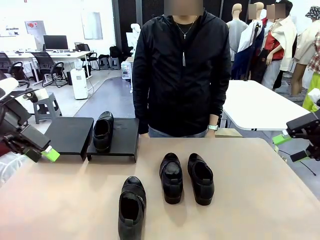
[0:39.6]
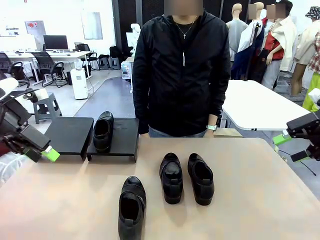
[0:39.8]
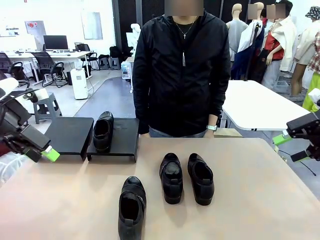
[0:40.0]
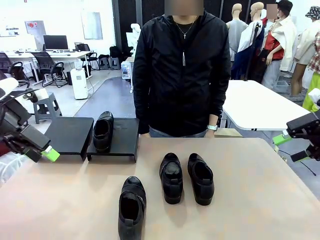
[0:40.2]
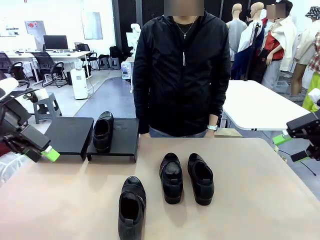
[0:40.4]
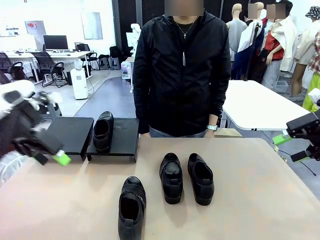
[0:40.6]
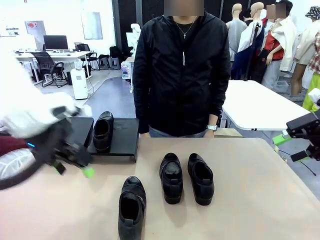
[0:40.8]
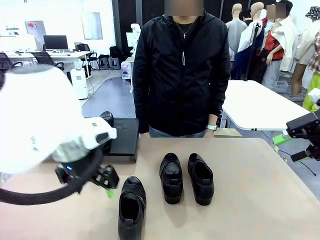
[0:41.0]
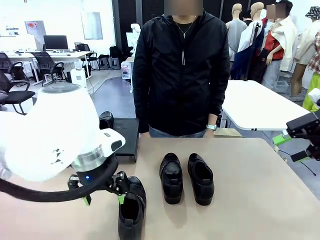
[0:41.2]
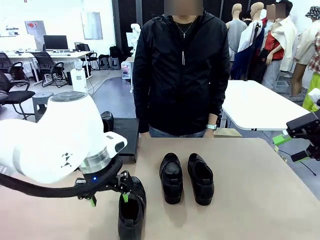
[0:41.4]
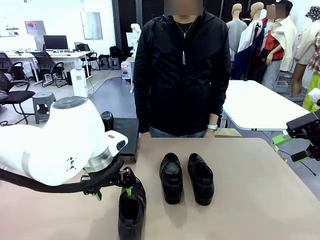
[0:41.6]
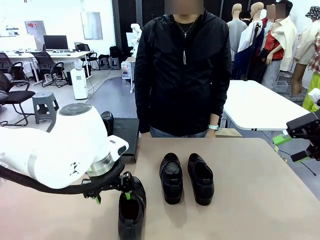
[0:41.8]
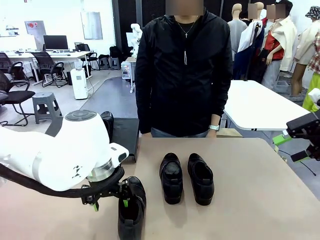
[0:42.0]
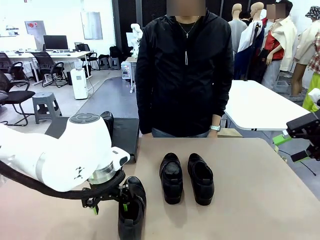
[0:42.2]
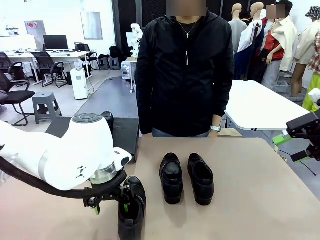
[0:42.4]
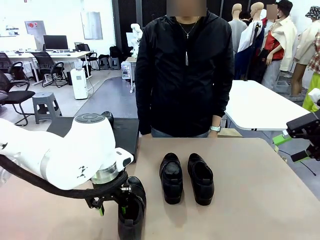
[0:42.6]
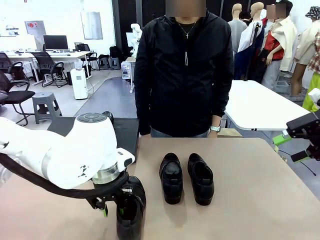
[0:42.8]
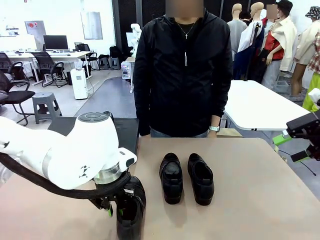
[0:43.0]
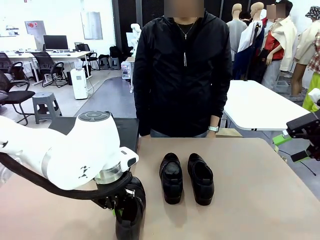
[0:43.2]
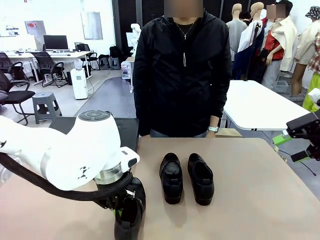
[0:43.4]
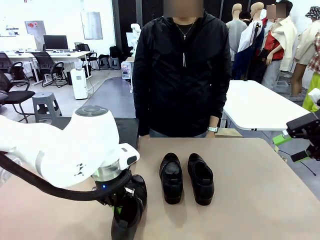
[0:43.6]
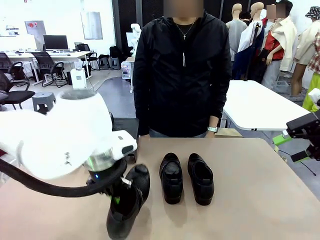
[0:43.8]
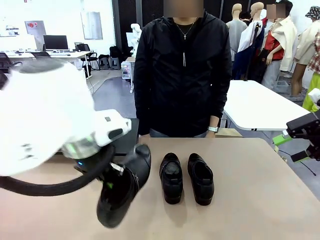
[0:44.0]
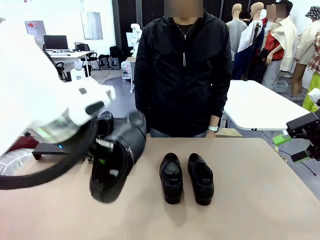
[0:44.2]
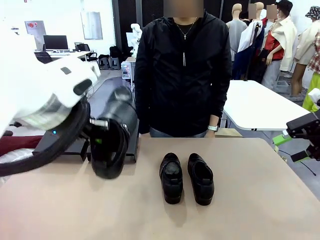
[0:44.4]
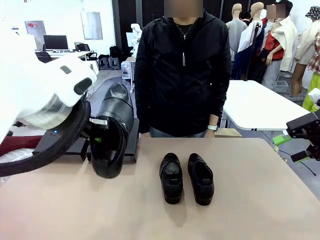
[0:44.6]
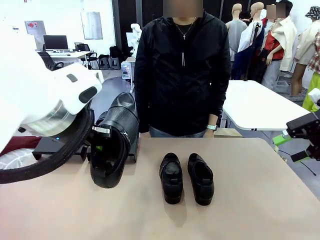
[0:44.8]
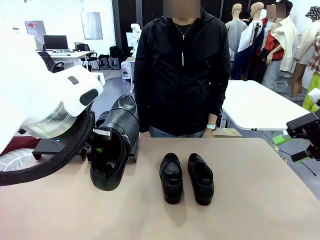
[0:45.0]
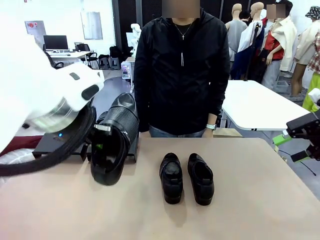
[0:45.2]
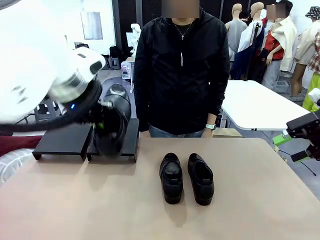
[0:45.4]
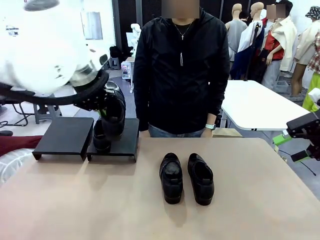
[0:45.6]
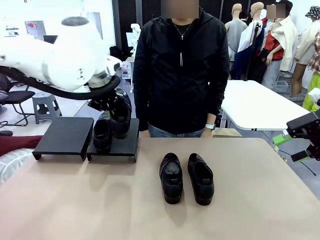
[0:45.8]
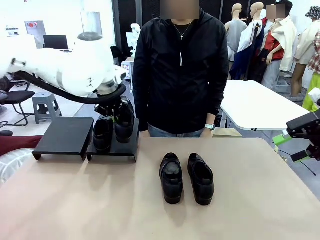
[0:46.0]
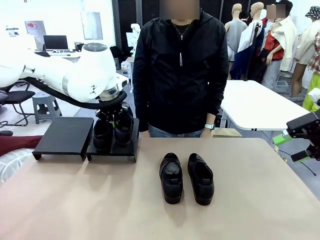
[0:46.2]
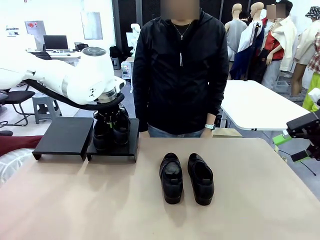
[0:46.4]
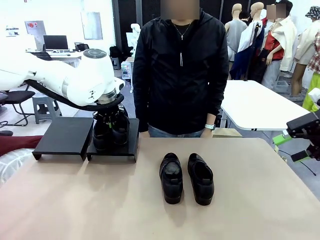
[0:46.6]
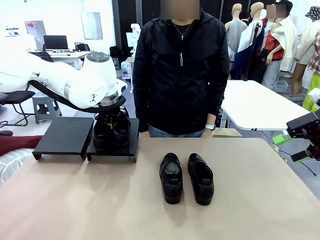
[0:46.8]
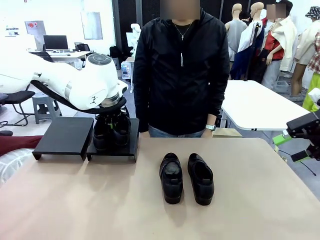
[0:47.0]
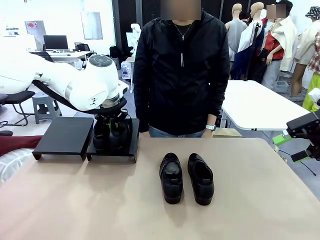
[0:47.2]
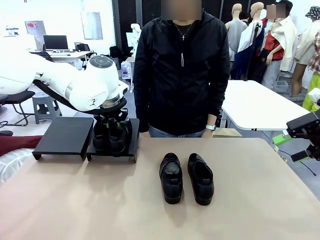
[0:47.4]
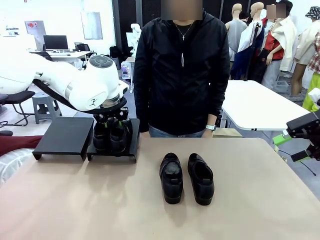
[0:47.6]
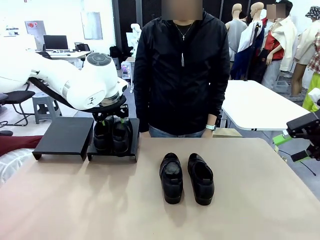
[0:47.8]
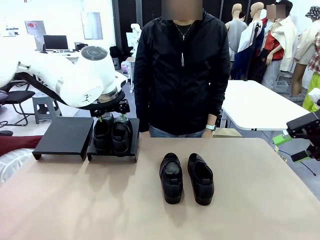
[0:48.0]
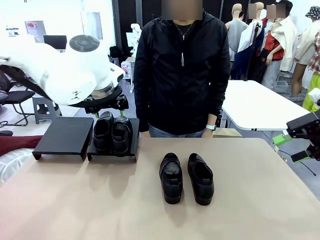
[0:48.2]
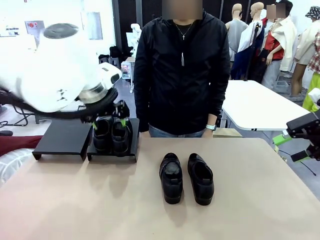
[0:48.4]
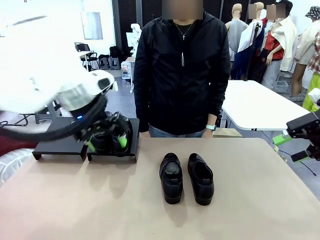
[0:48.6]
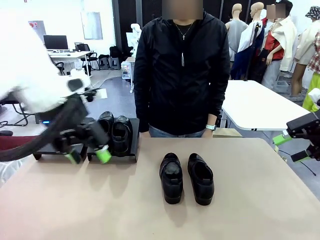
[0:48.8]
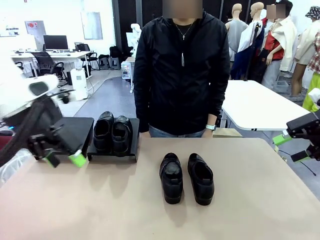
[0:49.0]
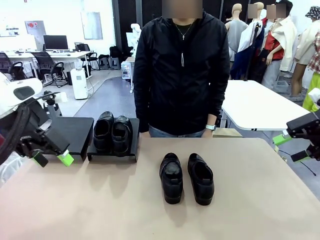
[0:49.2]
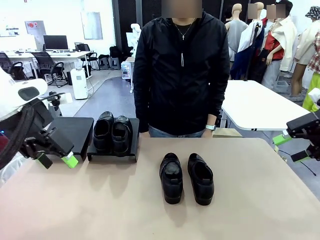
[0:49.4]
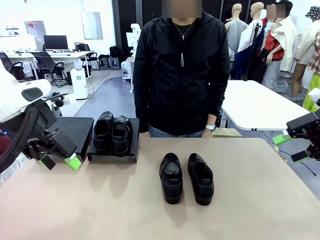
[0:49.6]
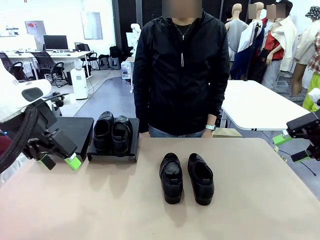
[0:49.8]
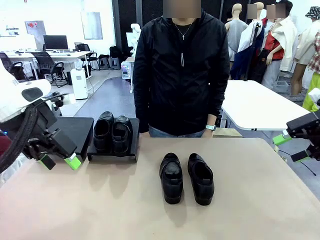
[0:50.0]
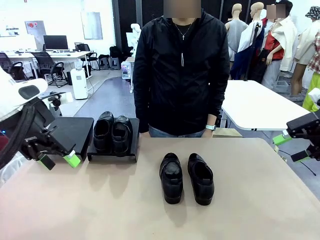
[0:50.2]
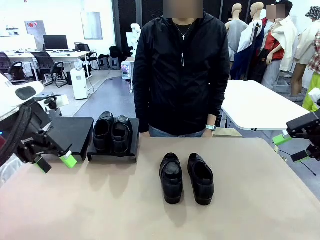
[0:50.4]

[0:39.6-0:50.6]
Task: Organize the shoes by placing them on the stand.
Robot: Place the Shoe from the middle of the table onto the Shoes Stand.

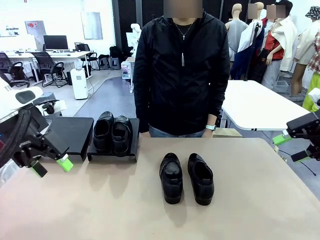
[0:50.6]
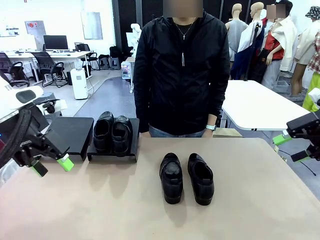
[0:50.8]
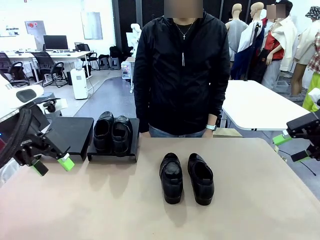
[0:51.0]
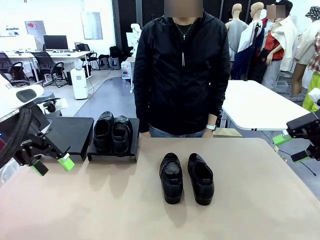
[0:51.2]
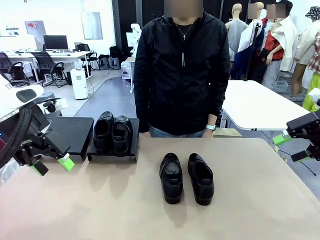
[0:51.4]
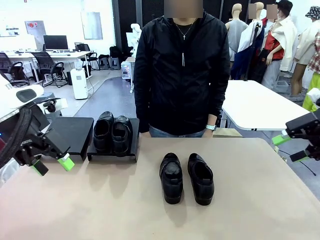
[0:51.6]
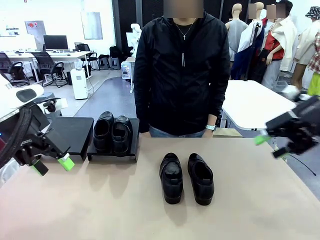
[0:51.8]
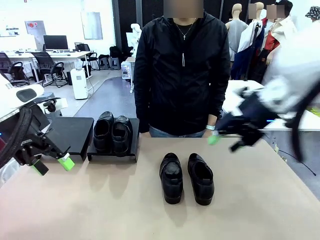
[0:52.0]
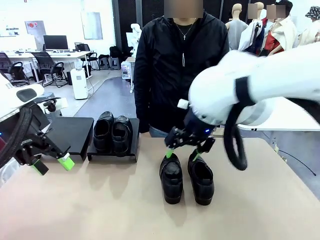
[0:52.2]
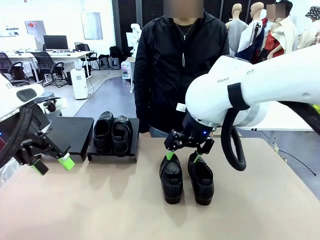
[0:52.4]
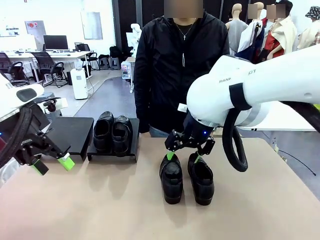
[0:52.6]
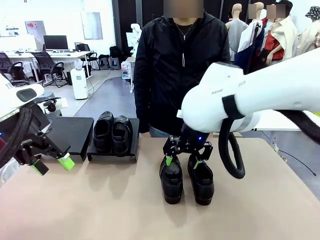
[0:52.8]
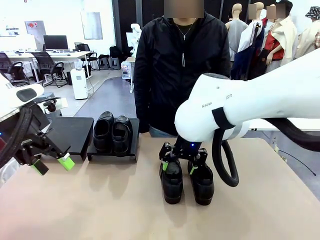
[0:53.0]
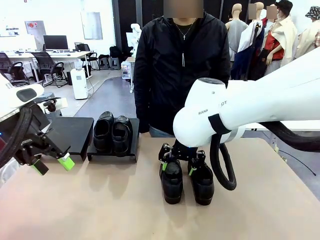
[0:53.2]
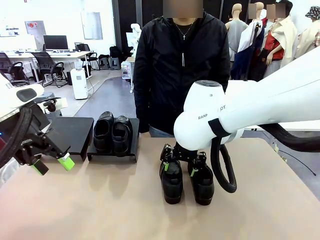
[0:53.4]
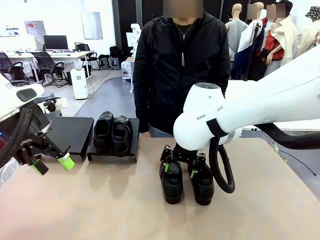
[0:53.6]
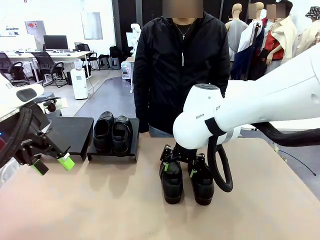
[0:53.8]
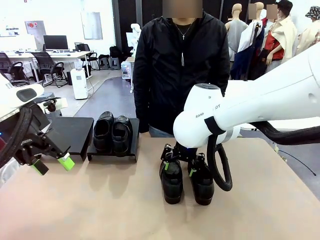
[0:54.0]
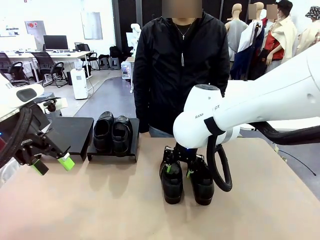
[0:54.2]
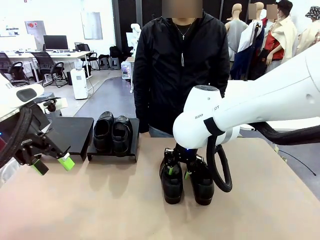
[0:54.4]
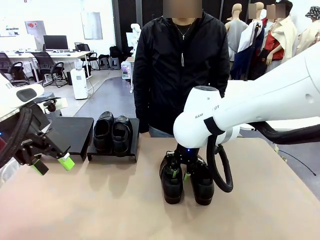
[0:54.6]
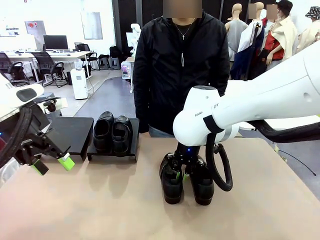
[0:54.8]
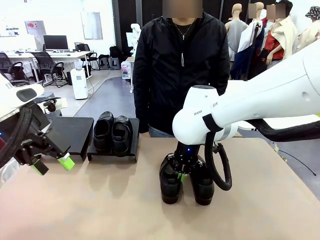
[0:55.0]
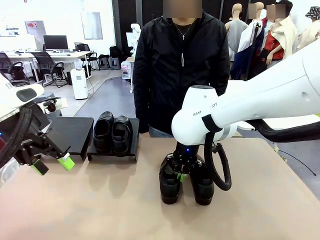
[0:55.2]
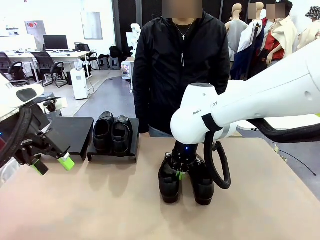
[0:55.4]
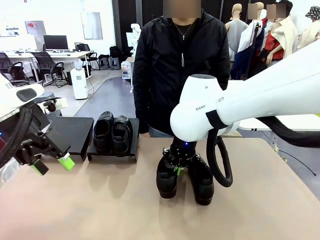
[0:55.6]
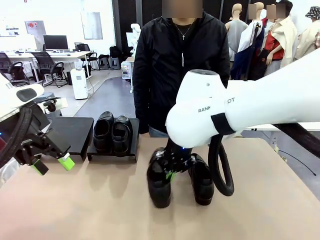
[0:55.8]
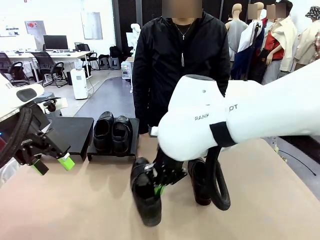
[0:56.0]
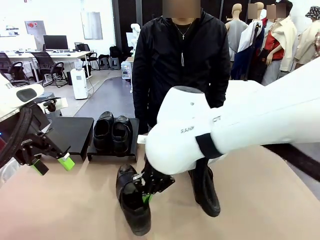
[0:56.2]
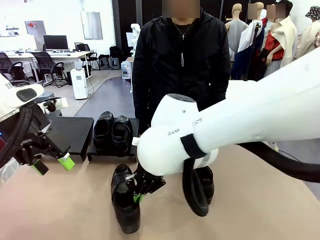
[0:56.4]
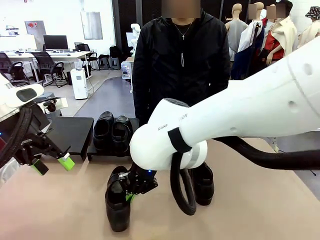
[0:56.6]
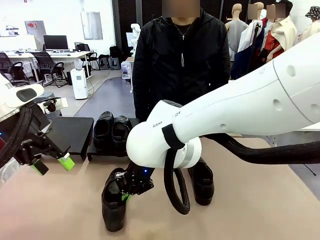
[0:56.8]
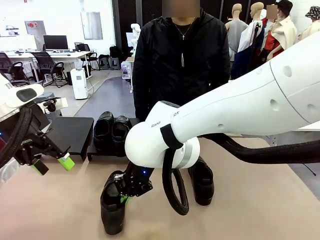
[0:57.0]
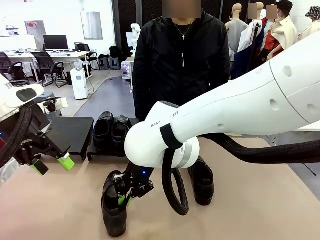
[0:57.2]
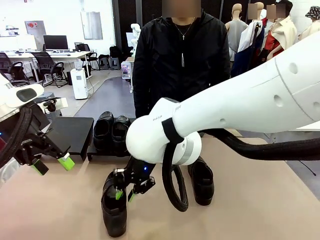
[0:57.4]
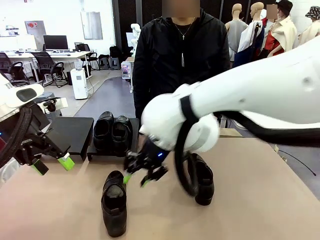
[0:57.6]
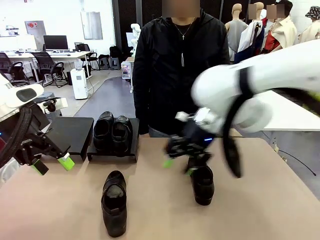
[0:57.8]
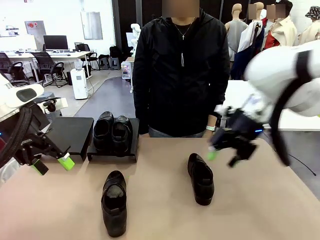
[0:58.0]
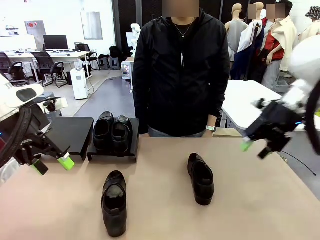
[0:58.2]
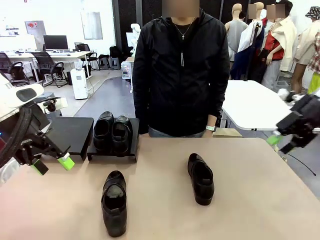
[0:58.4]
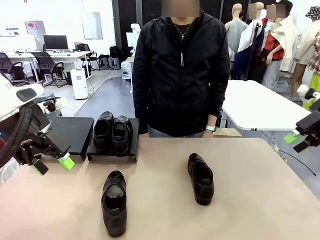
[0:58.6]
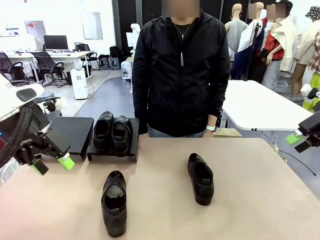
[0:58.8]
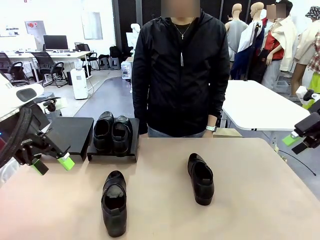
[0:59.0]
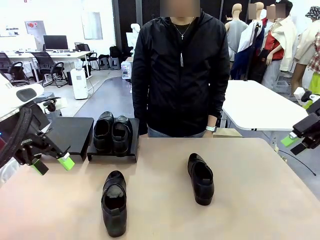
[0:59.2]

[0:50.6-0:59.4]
Robot: Pick up one Shoe and place it in the middle of the table.
